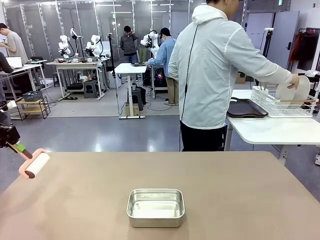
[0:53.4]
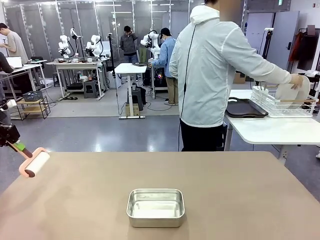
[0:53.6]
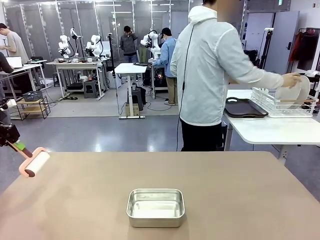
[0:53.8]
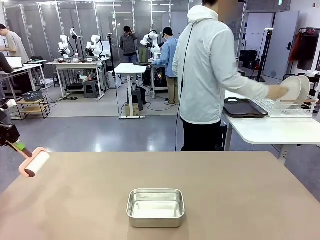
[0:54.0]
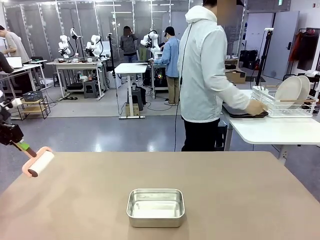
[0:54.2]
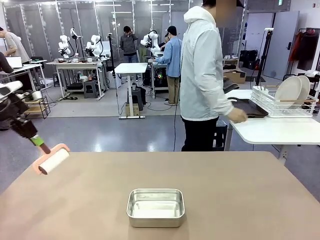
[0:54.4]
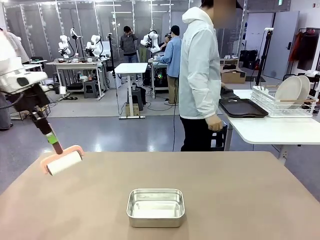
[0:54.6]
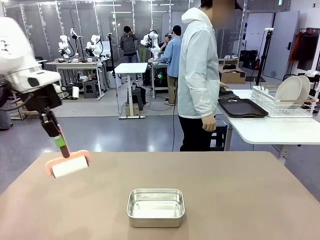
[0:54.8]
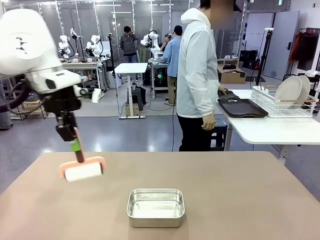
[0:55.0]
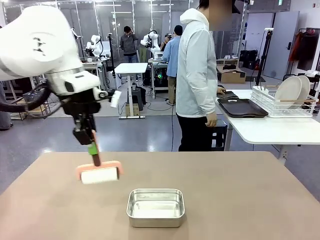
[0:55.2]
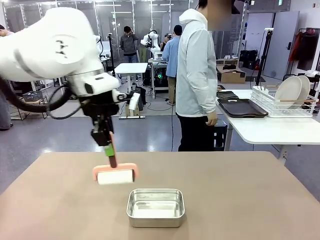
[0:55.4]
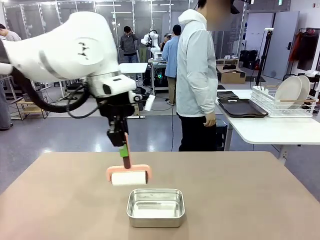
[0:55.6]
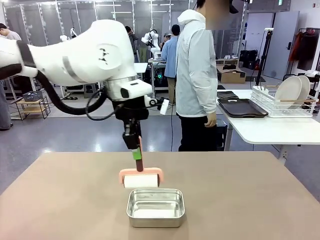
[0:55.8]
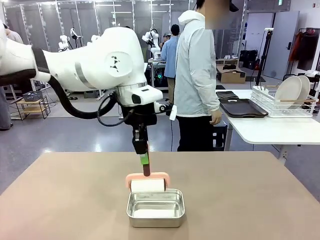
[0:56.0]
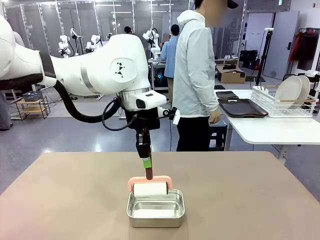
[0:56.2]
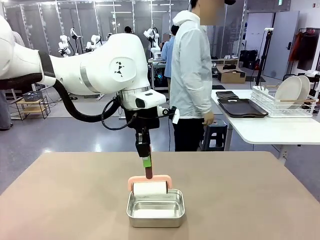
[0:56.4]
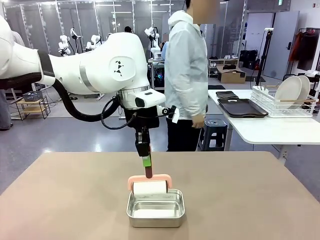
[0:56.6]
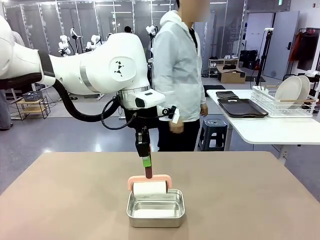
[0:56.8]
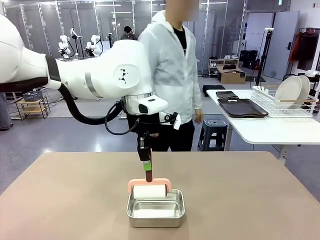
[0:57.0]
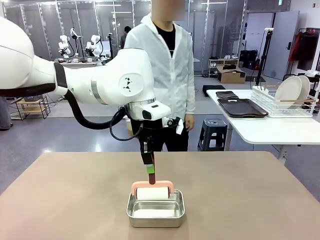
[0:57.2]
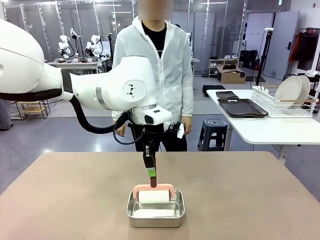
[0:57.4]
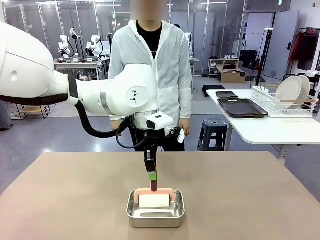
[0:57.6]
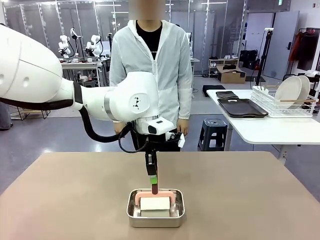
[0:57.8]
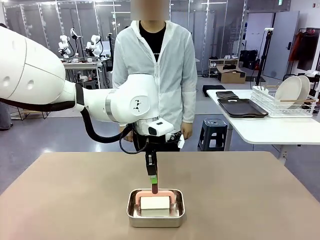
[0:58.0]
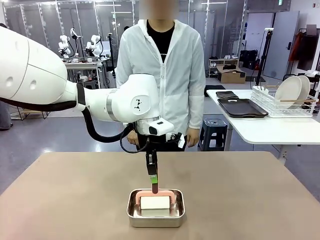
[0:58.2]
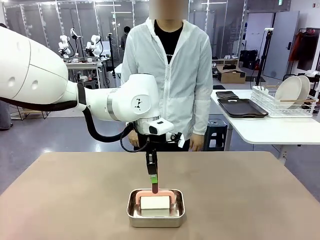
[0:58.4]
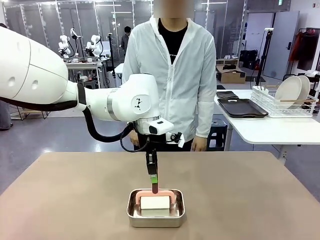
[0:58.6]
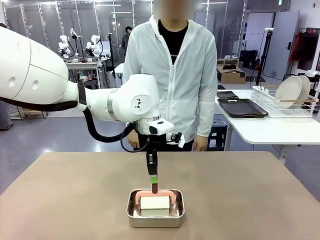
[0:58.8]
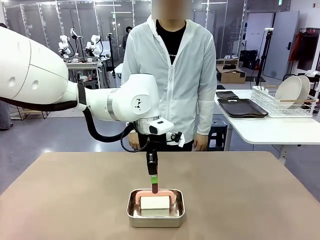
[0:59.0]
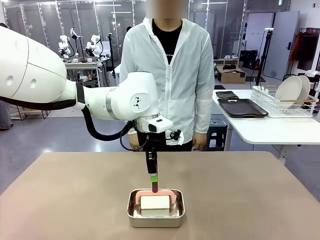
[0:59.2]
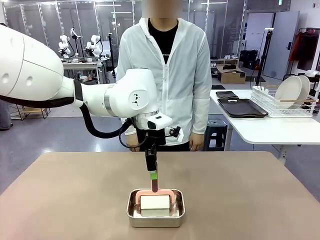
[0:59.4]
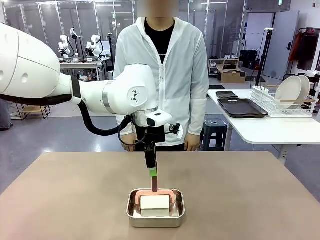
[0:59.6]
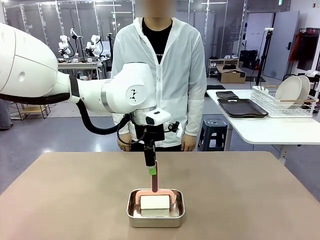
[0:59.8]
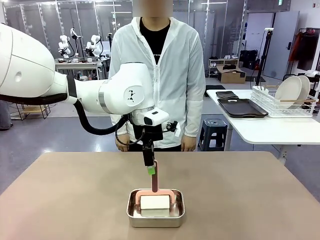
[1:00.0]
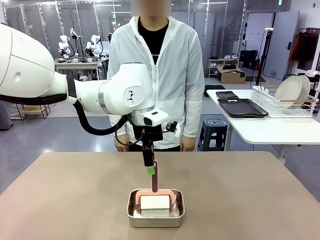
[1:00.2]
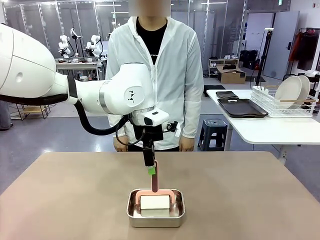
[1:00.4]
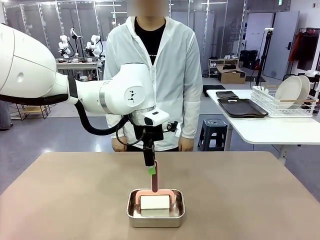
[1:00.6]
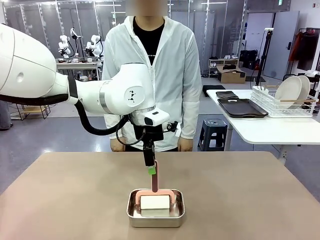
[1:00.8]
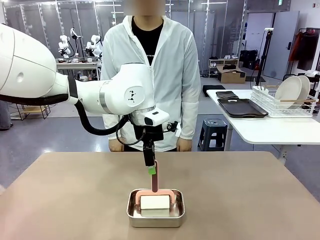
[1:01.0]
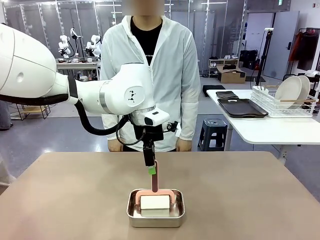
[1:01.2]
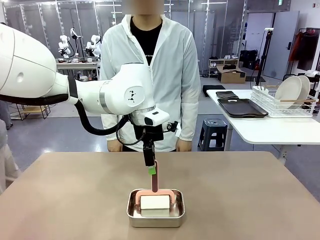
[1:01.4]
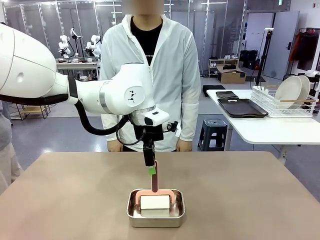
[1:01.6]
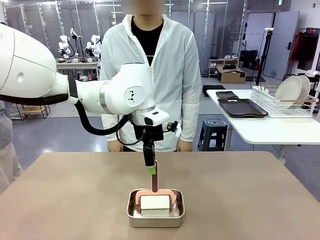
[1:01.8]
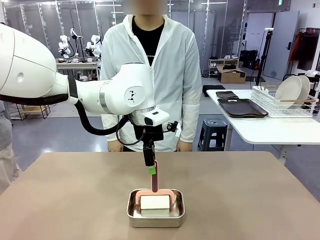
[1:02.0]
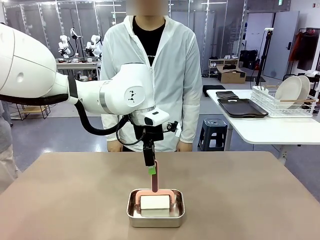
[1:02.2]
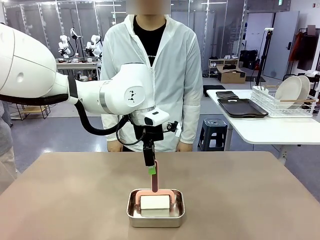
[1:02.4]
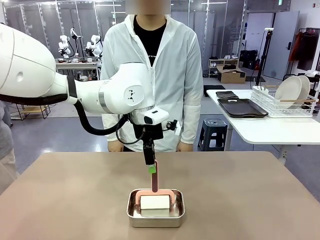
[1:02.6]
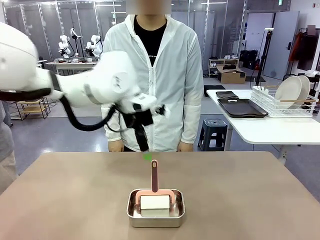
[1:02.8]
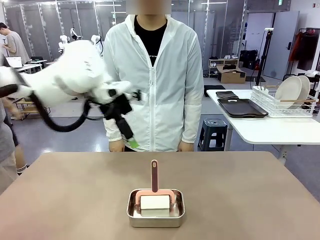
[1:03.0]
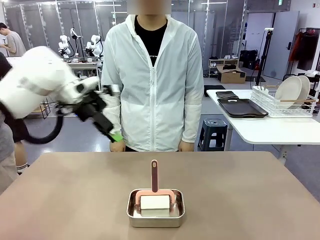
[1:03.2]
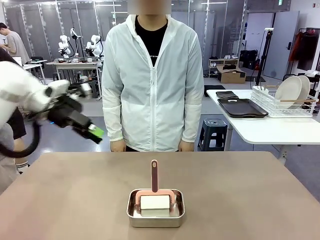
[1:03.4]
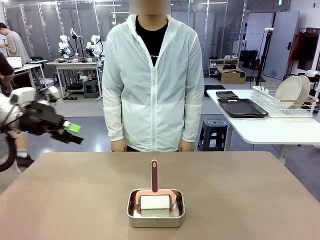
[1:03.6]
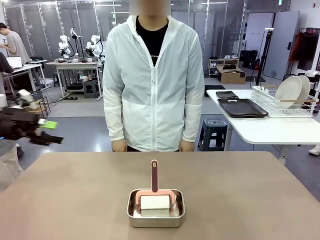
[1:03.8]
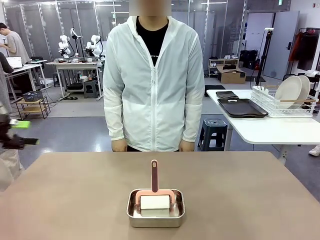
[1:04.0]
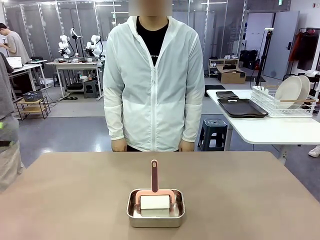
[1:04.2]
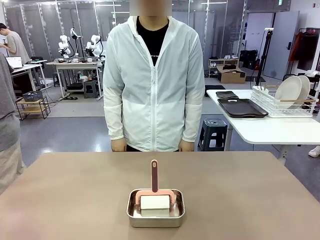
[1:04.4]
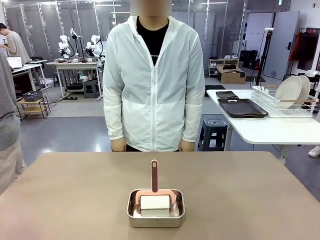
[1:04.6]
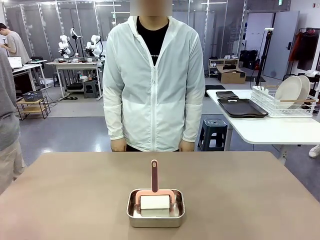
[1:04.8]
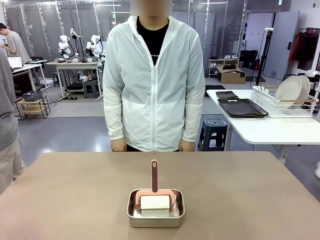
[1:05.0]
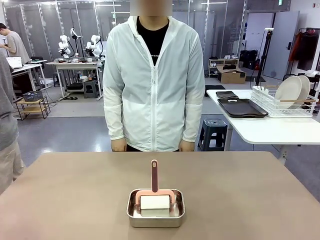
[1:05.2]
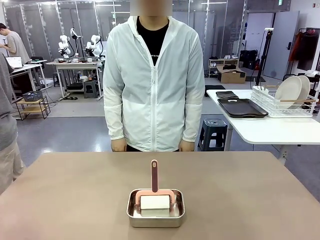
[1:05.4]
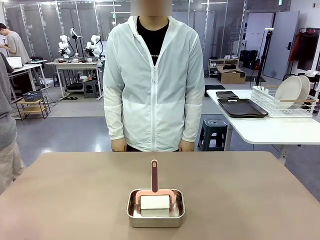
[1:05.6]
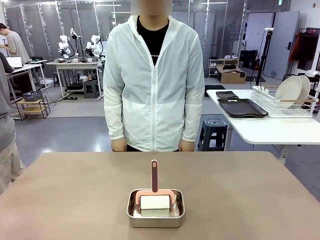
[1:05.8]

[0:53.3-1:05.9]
Robot: Place the Lint Roller back on top of the Airtight Container.
Person: Use the Towel with hook to wipe the Plastic Matte Plate , Fork , and Knife and place into the Dish drying rack.

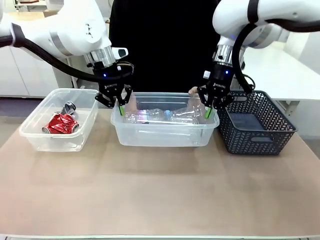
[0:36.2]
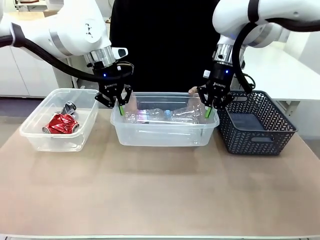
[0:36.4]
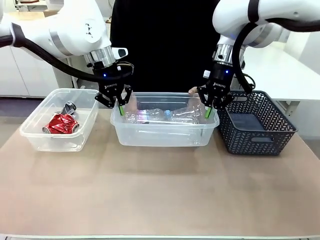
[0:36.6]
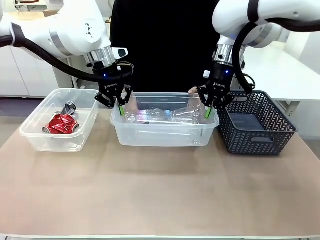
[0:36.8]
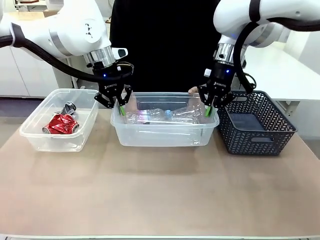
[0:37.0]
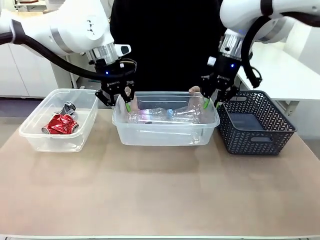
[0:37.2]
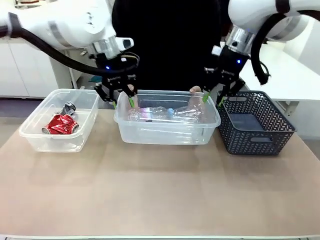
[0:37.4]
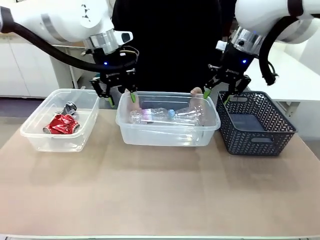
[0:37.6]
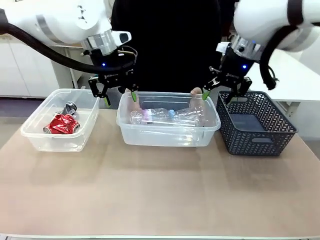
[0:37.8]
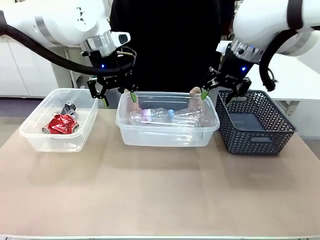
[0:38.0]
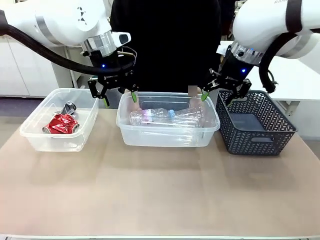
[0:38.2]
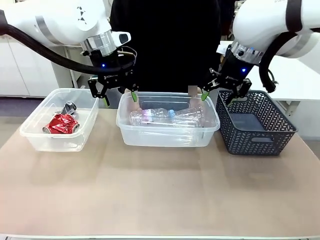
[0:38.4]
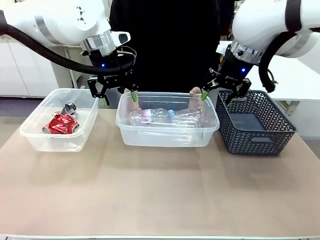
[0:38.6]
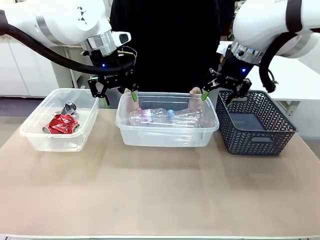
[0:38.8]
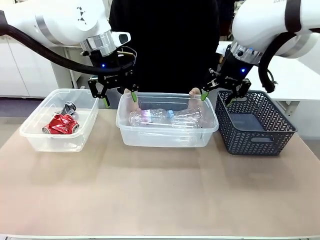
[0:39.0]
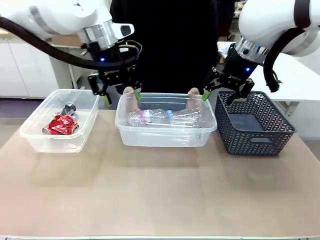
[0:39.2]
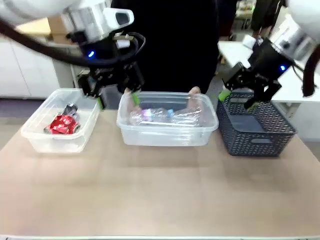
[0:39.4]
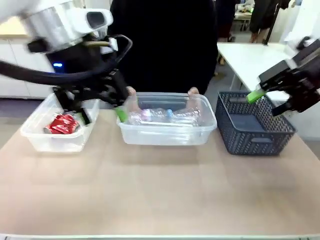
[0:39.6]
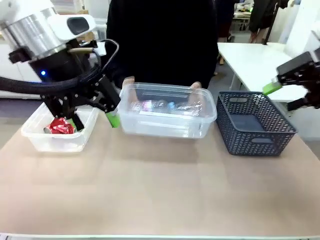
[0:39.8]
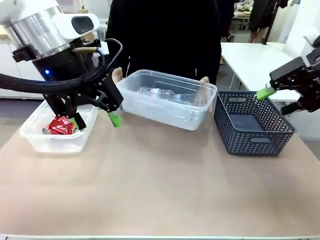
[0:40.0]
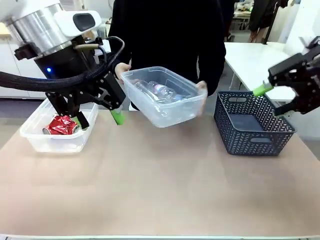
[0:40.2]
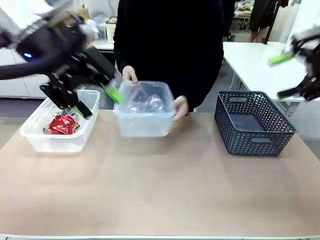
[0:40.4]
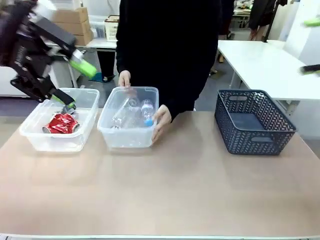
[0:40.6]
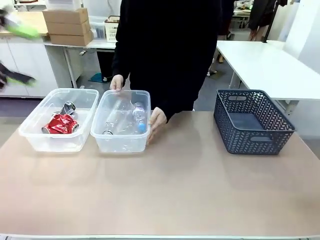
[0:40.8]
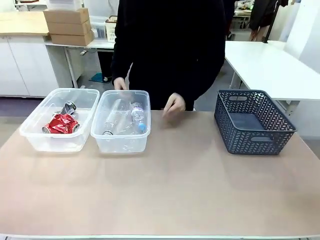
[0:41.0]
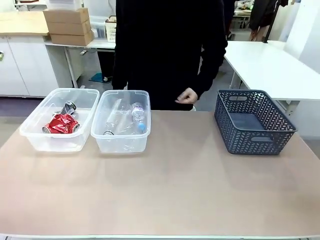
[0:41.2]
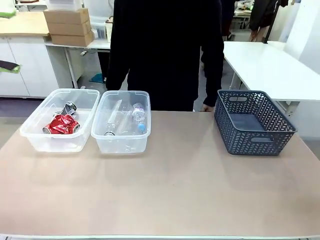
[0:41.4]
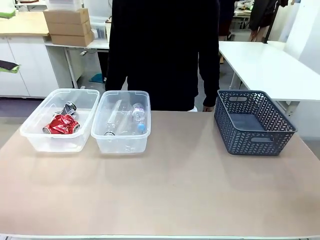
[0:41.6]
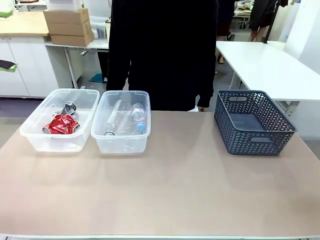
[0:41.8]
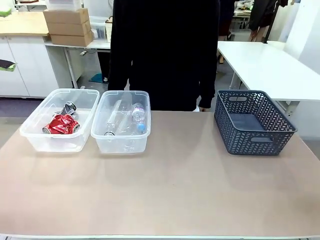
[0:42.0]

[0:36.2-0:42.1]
Robot: Release the Organizing box you were holding.
Person: Pick up the organizing box extended by the robot. Place the organizing box to the left of the sorting box containing the can waste.
